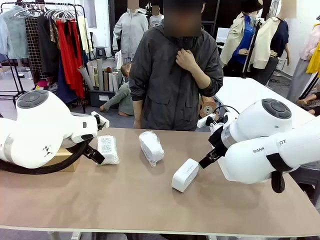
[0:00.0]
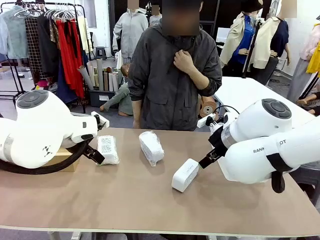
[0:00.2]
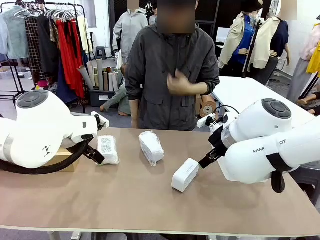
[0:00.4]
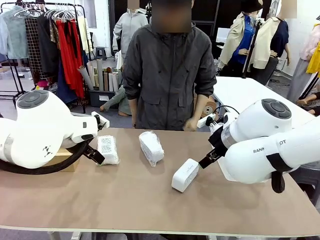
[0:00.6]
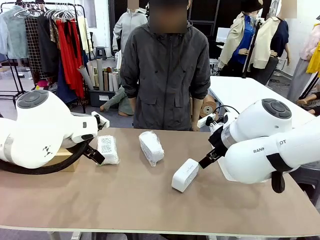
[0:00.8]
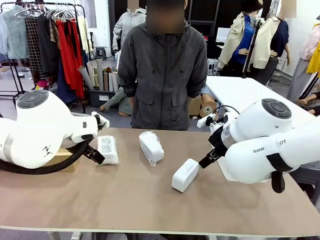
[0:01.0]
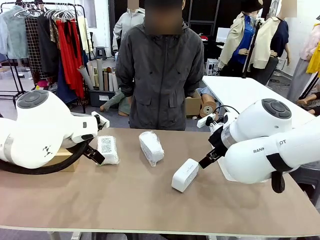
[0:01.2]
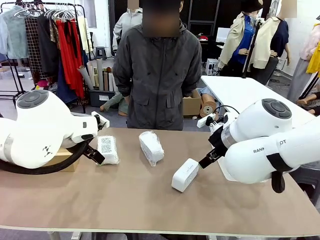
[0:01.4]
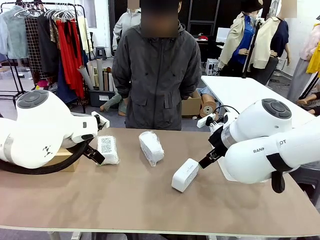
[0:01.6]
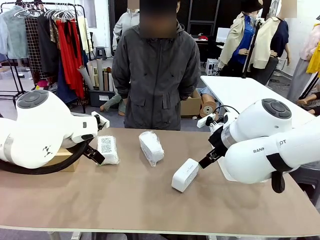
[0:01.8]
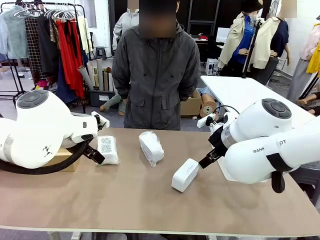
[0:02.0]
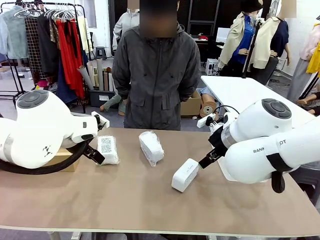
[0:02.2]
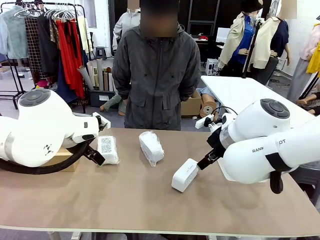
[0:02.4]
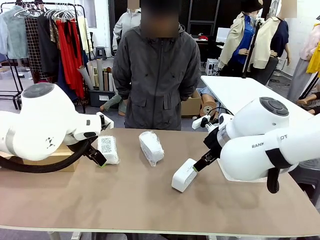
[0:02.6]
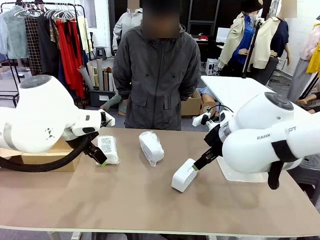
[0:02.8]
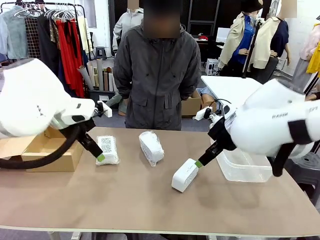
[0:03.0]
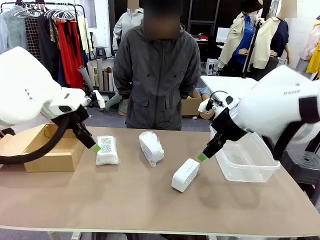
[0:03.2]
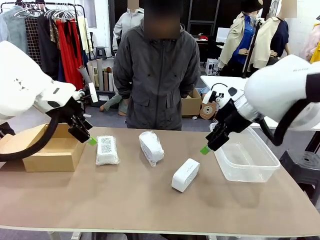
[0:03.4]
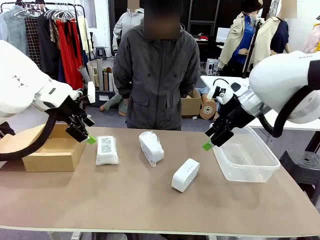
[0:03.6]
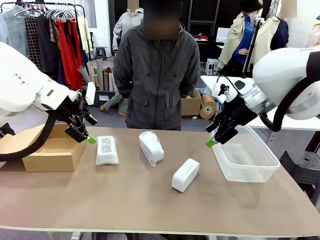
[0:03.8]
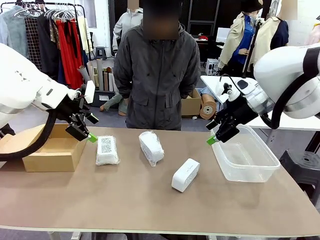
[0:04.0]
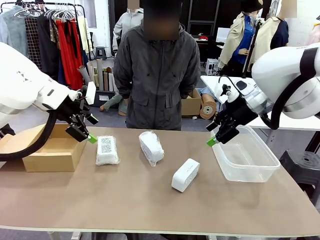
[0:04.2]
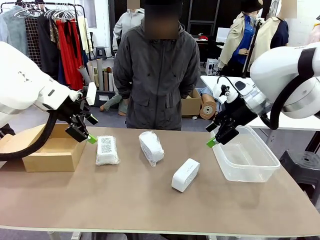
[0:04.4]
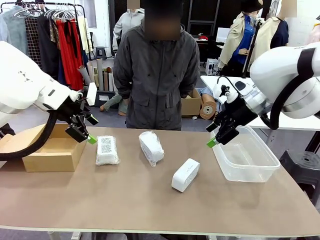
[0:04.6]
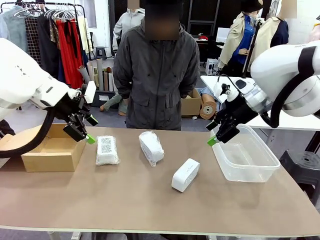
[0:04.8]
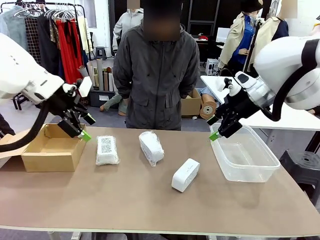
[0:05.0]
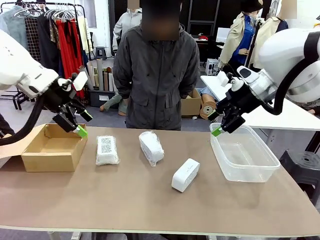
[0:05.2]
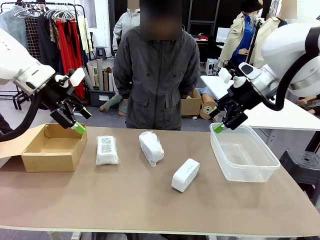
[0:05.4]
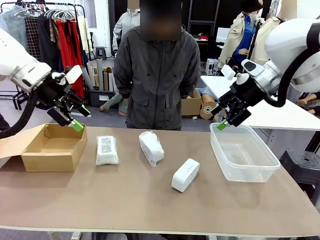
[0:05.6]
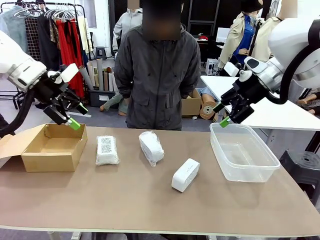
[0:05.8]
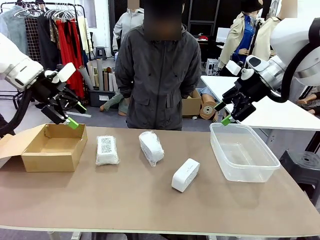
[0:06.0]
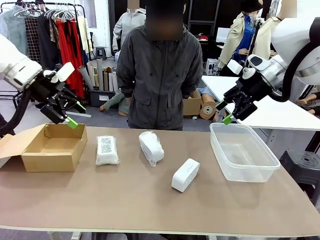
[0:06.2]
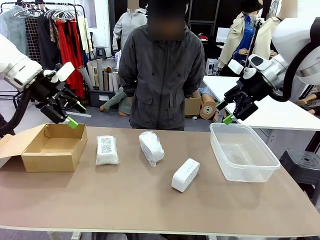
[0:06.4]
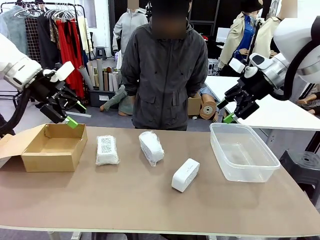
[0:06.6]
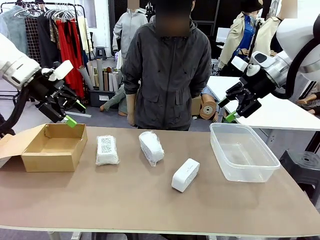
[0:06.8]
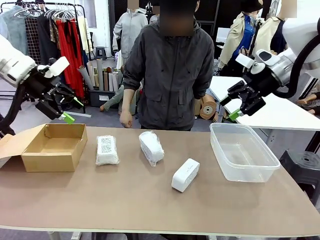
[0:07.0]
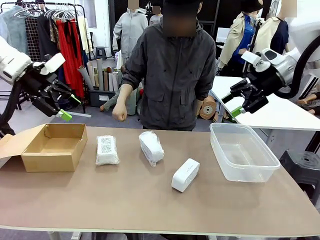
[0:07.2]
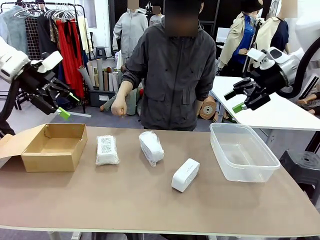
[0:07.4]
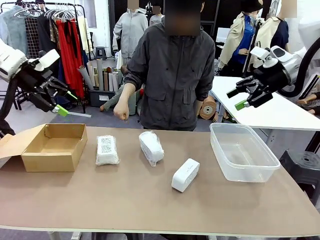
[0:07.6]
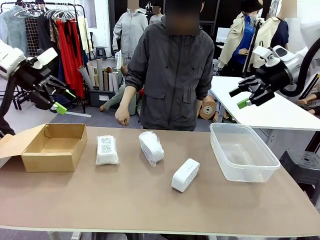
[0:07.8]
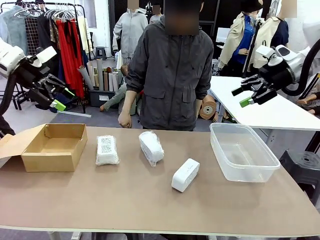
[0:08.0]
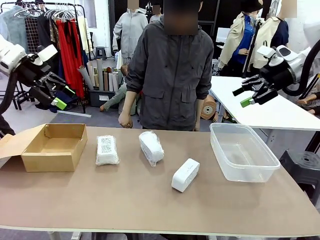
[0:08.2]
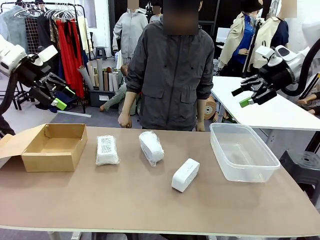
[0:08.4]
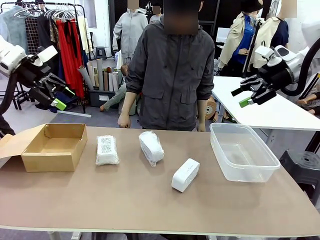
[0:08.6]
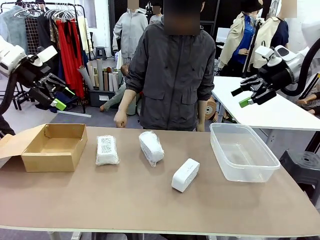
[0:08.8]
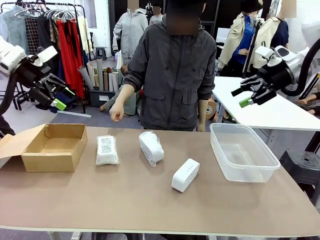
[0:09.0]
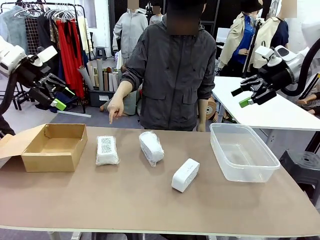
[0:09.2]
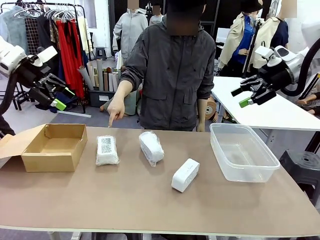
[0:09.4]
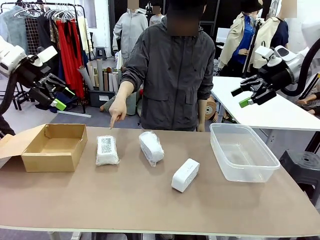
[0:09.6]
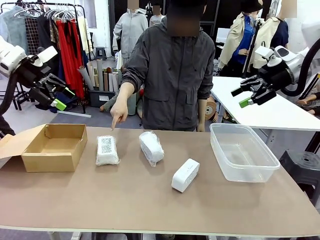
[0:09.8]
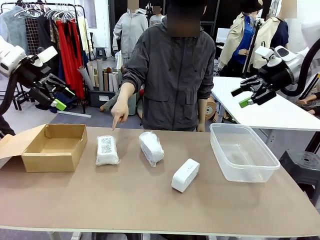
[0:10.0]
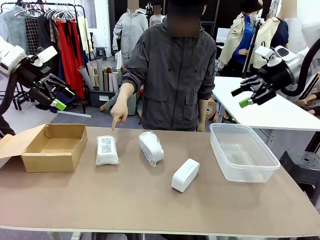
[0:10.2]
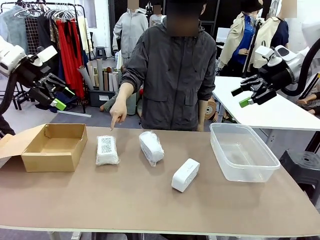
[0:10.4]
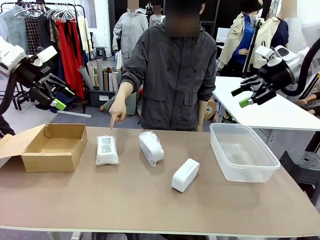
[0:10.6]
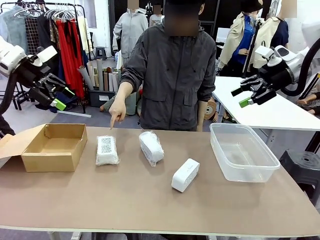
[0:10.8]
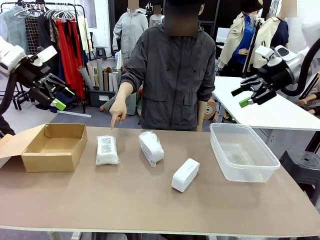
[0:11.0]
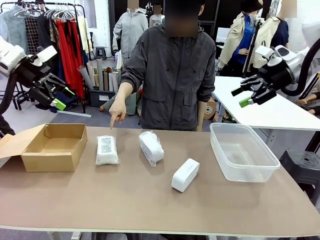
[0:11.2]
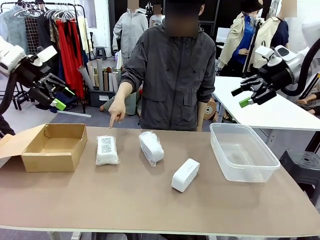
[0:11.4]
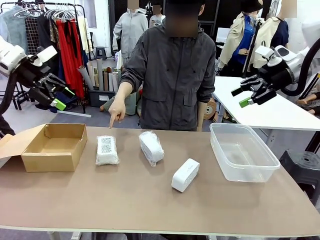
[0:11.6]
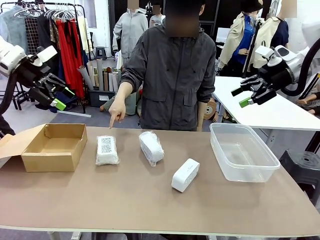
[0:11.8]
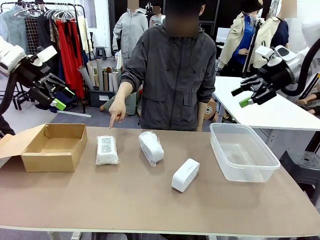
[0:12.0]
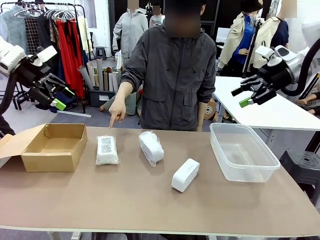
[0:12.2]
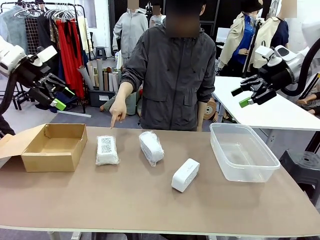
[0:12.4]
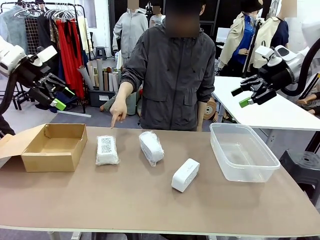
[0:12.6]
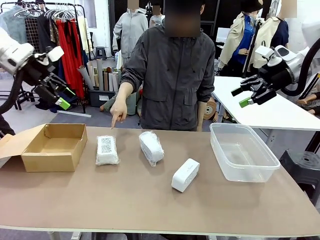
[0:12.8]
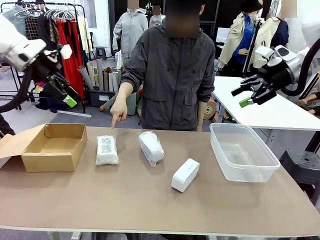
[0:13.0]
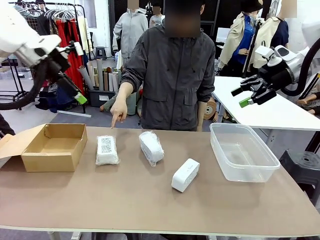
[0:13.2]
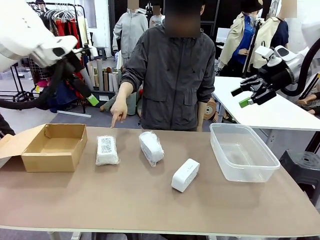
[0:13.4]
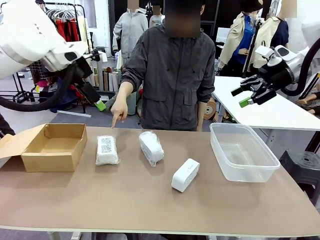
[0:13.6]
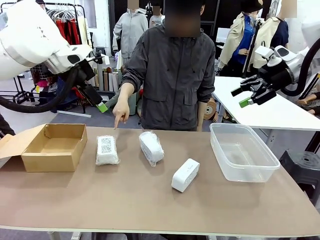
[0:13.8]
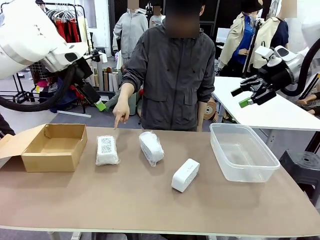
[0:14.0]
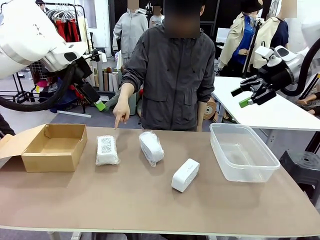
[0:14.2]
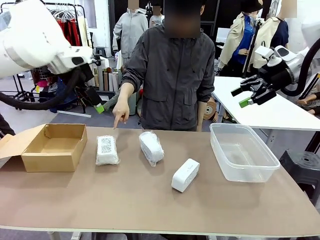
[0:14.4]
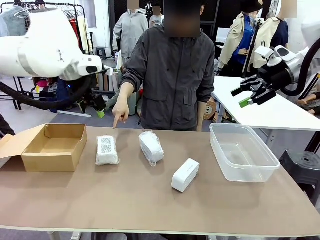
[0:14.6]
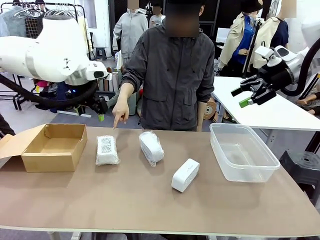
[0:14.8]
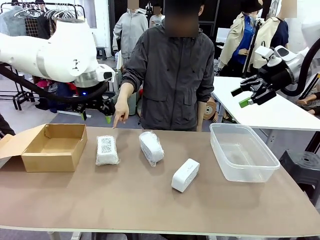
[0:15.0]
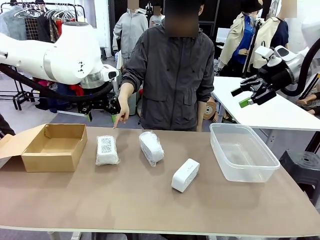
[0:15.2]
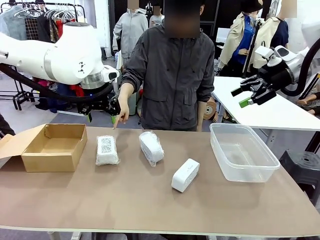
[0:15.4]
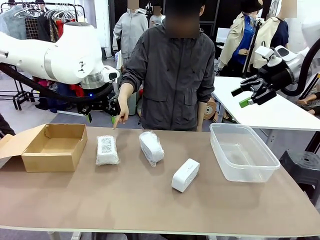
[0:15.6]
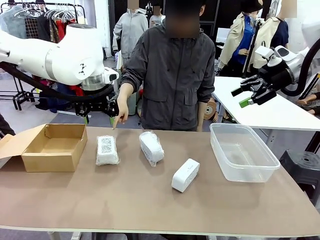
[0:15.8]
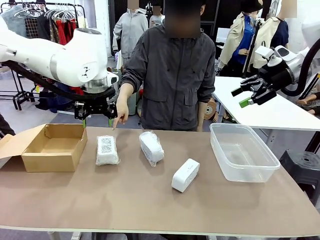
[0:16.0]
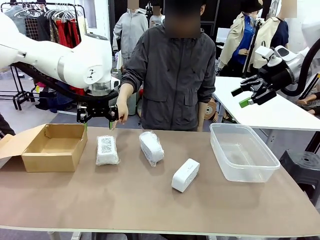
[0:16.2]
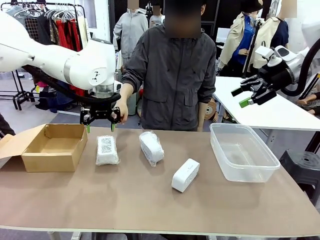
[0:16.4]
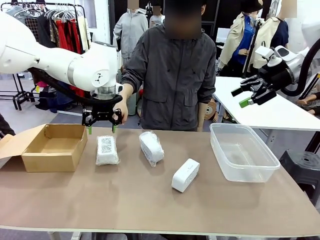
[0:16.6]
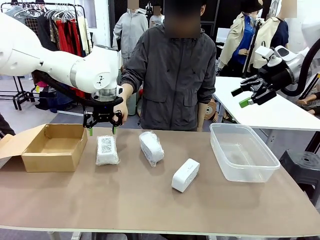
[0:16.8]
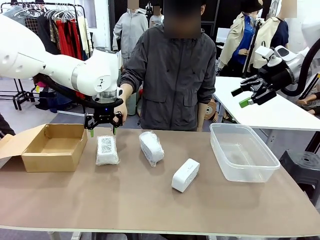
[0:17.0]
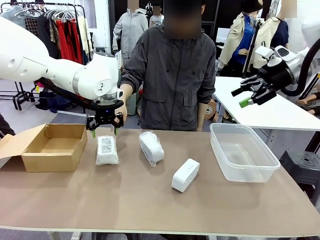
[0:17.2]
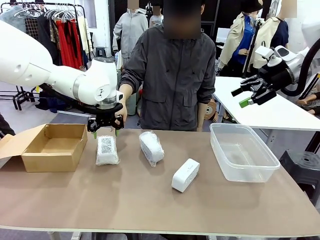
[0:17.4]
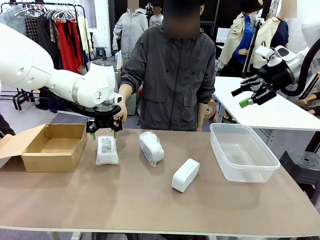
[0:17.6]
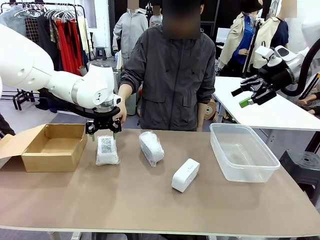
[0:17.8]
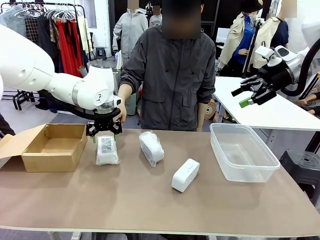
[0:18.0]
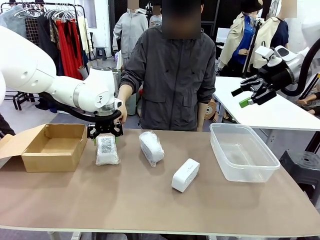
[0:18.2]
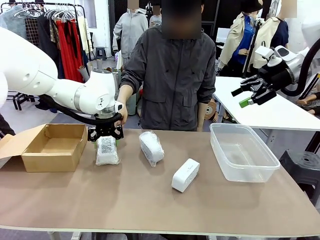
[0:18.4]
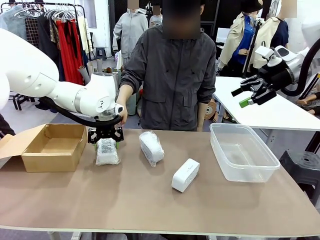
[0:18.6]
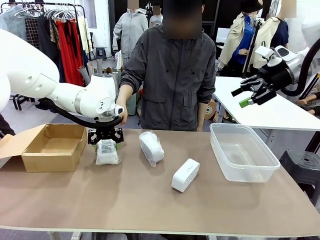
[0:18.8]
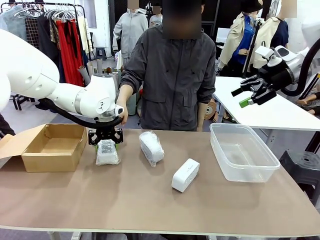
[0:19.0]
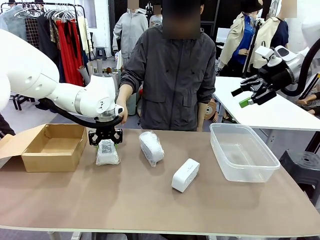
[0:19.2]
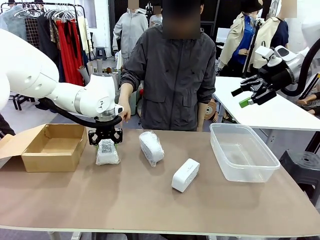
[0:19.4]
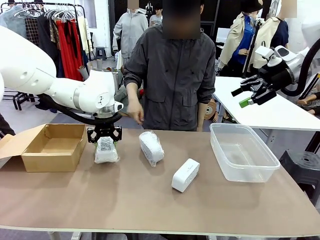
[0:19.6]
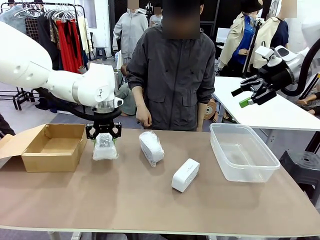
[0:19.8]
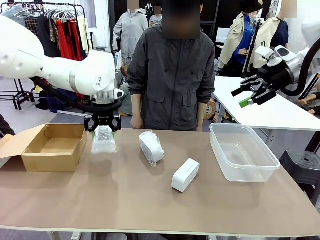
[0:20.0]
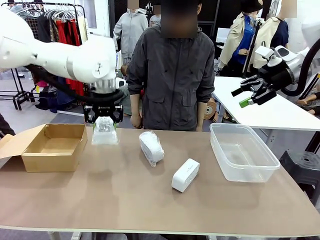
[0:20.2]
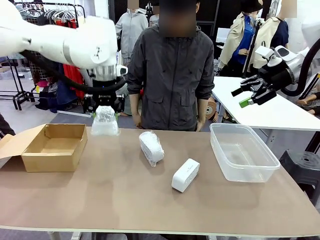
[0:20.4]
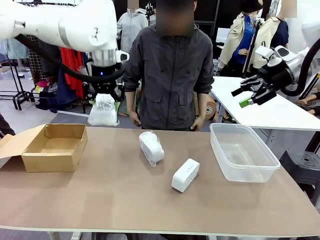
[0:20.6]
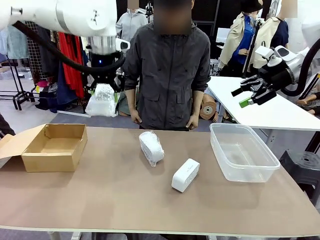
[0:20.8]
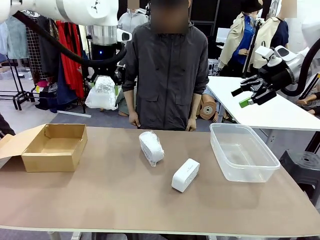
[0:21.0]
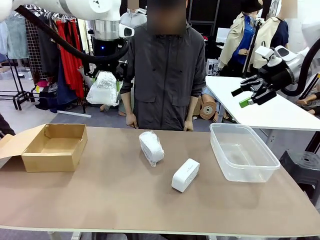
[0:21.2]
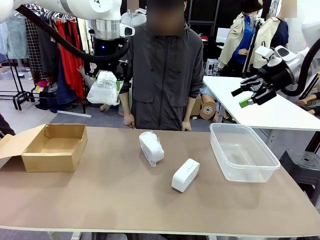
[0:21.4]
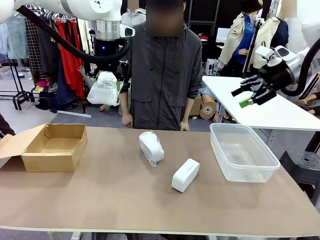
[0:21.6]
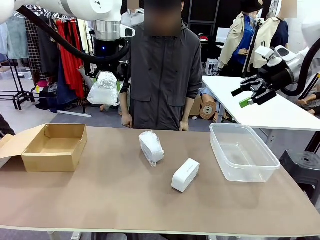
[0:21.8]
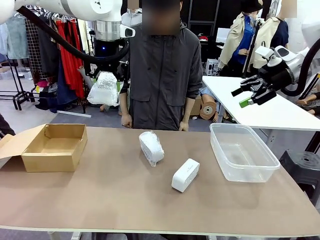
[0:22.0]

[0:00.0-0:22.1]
Task: Separate and place wrapped and unwrapped clocks.
Robot: Pick up the Digital clock indicated by the person.
